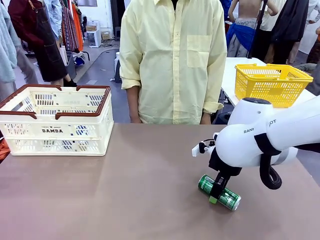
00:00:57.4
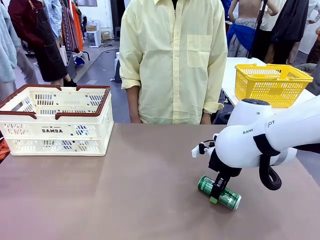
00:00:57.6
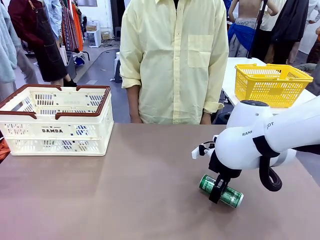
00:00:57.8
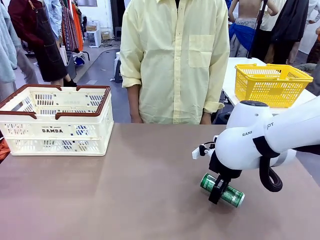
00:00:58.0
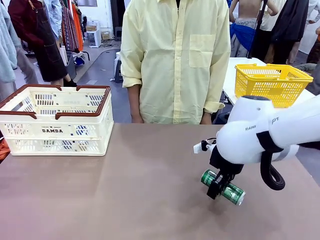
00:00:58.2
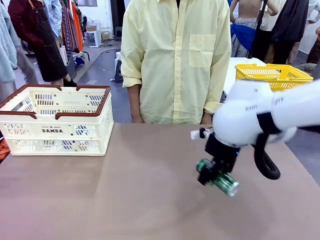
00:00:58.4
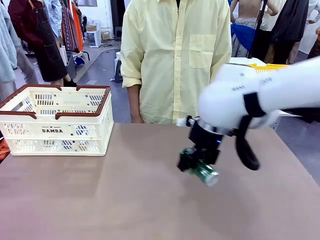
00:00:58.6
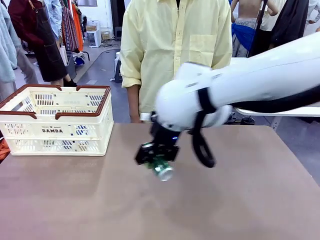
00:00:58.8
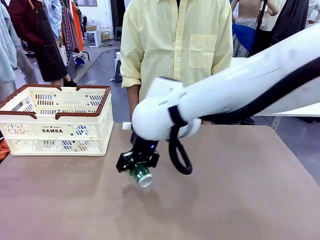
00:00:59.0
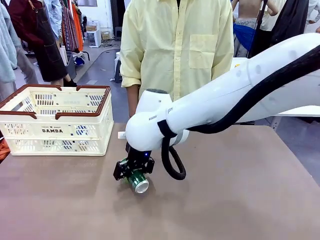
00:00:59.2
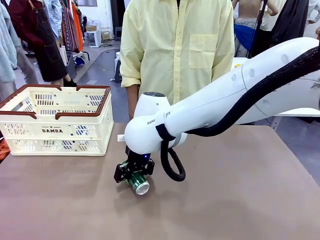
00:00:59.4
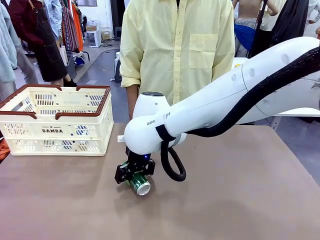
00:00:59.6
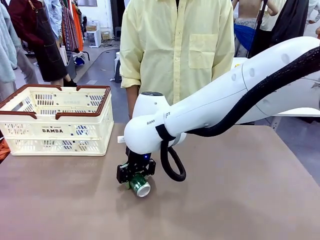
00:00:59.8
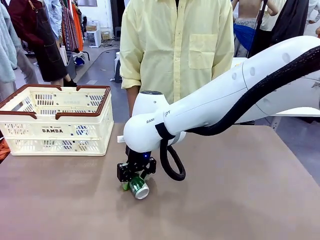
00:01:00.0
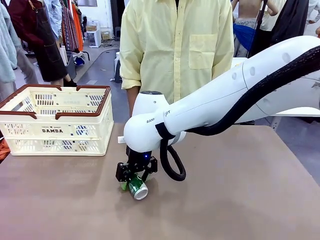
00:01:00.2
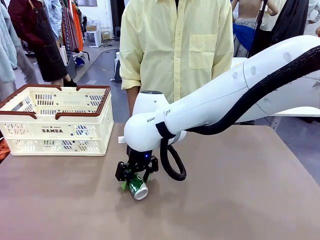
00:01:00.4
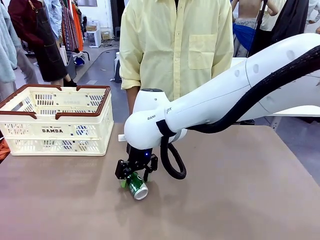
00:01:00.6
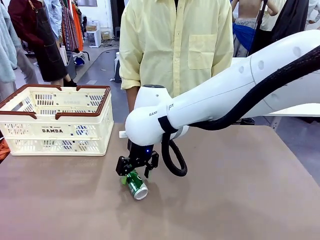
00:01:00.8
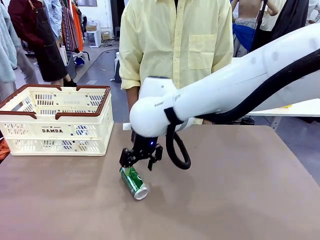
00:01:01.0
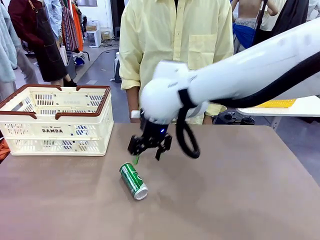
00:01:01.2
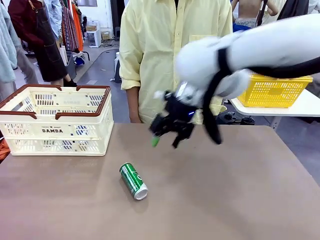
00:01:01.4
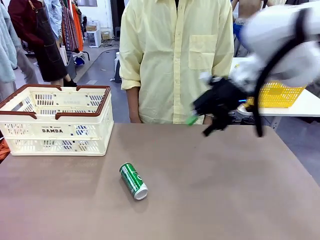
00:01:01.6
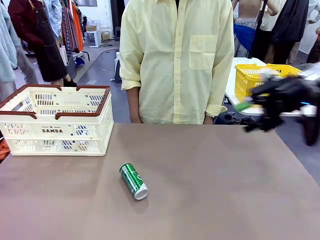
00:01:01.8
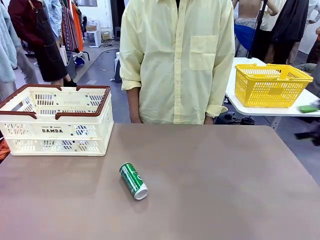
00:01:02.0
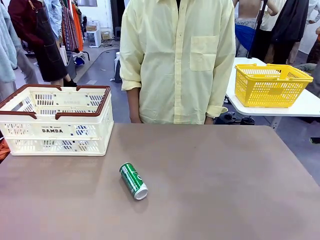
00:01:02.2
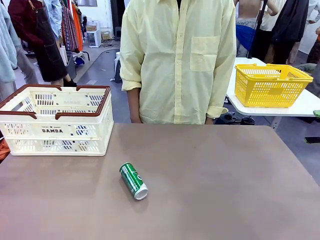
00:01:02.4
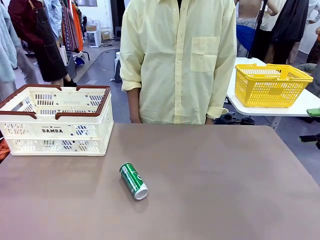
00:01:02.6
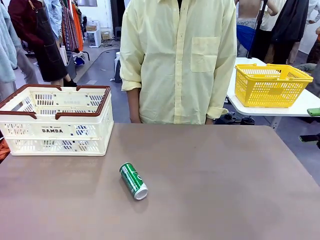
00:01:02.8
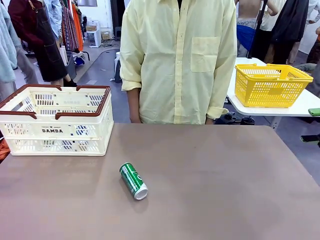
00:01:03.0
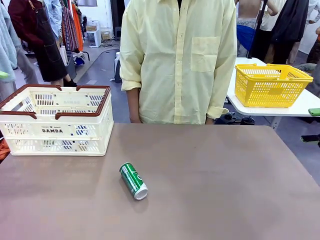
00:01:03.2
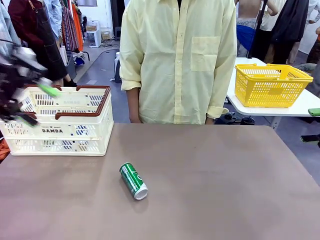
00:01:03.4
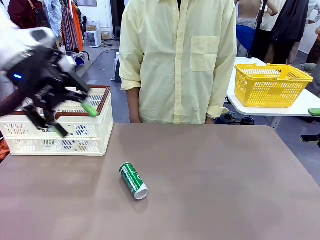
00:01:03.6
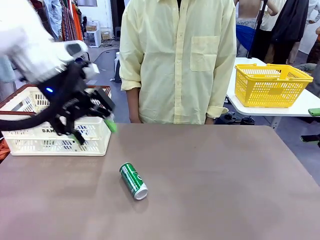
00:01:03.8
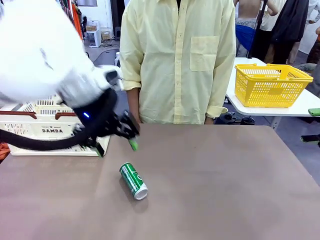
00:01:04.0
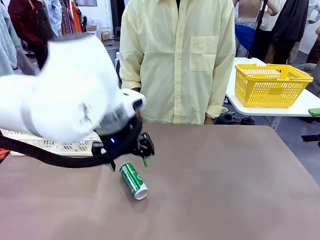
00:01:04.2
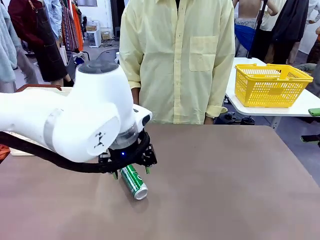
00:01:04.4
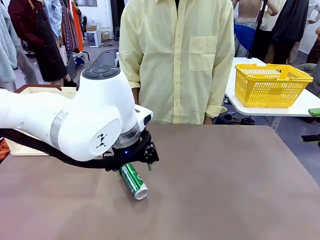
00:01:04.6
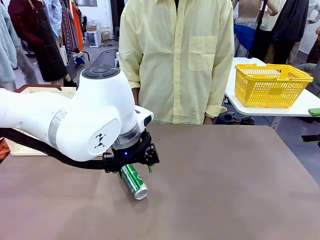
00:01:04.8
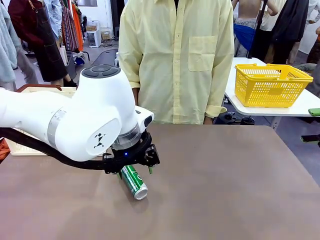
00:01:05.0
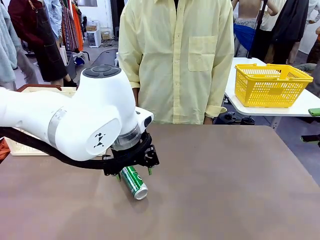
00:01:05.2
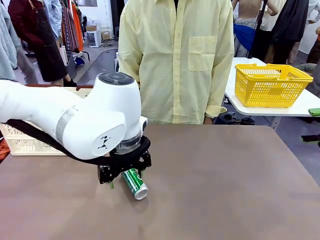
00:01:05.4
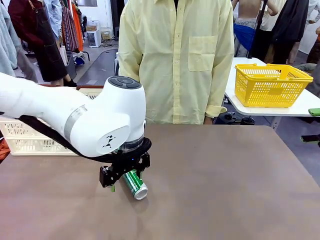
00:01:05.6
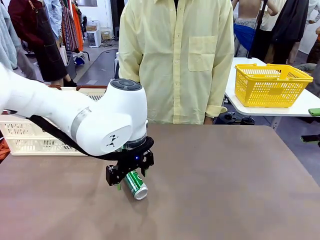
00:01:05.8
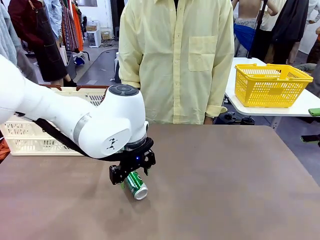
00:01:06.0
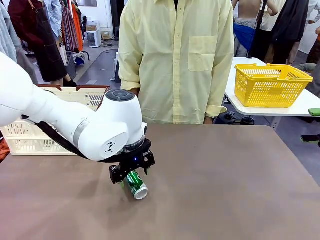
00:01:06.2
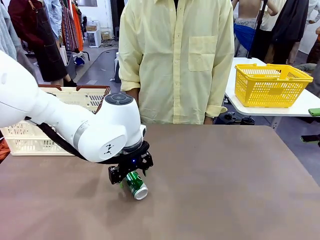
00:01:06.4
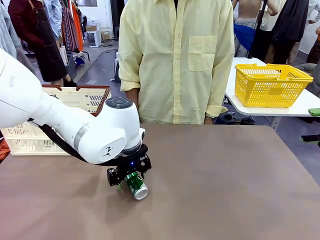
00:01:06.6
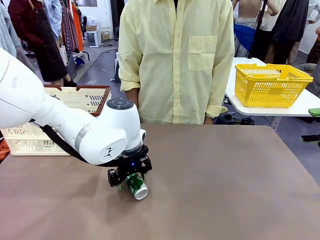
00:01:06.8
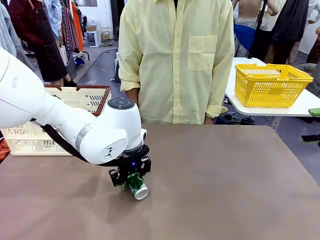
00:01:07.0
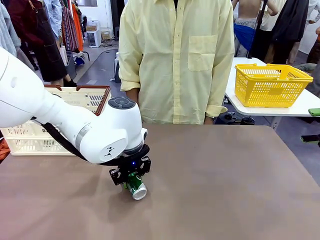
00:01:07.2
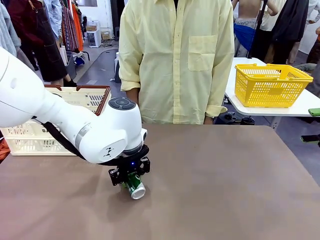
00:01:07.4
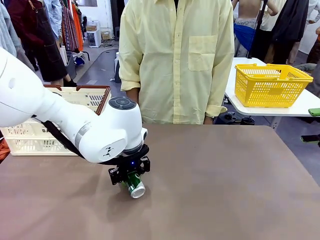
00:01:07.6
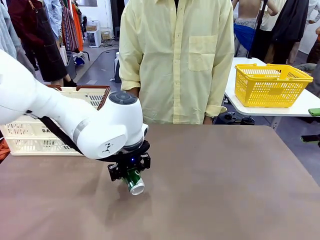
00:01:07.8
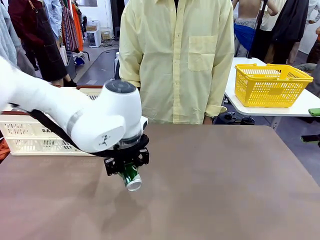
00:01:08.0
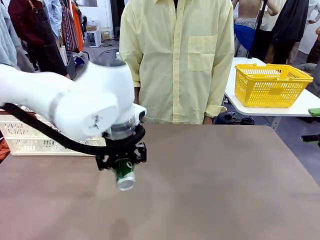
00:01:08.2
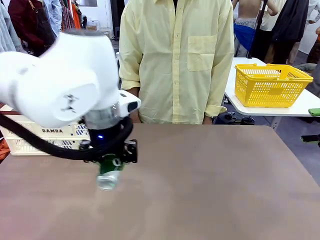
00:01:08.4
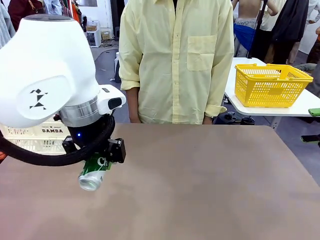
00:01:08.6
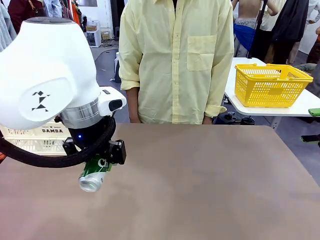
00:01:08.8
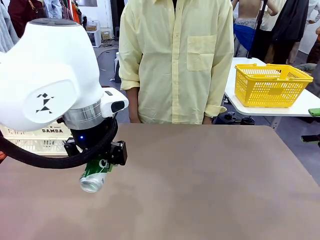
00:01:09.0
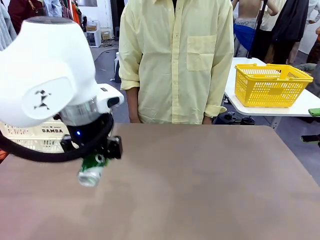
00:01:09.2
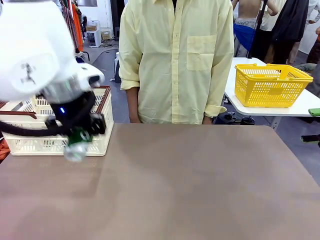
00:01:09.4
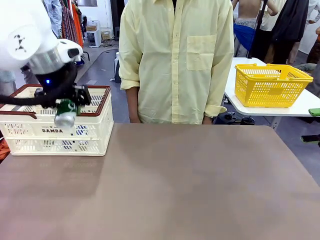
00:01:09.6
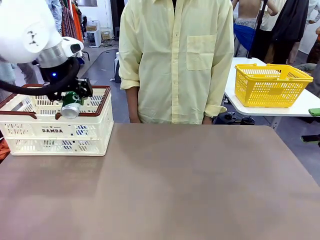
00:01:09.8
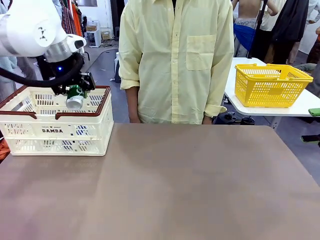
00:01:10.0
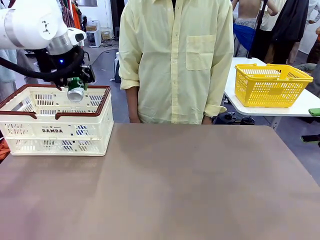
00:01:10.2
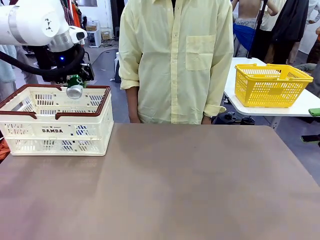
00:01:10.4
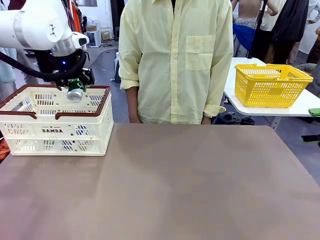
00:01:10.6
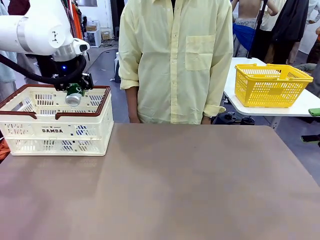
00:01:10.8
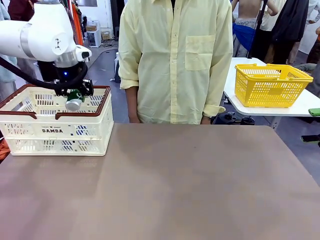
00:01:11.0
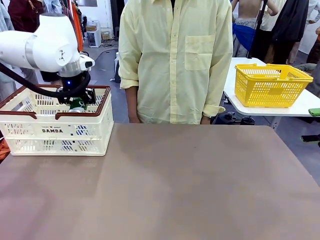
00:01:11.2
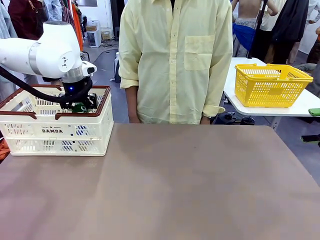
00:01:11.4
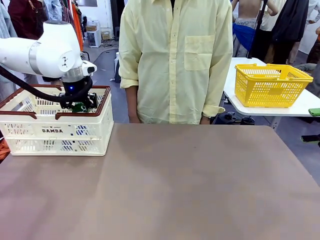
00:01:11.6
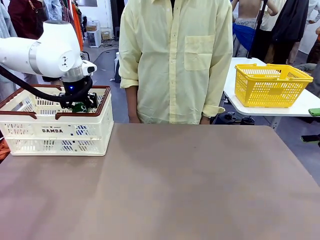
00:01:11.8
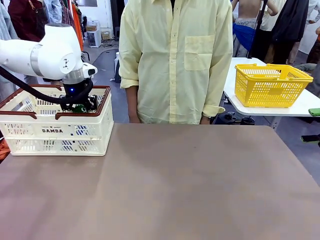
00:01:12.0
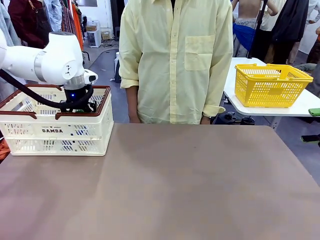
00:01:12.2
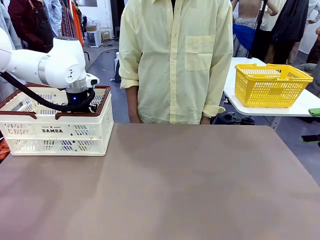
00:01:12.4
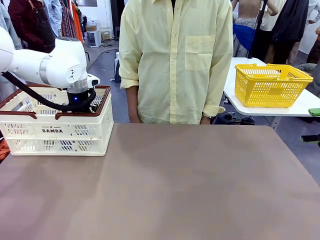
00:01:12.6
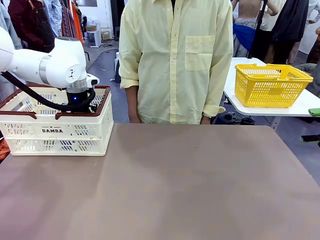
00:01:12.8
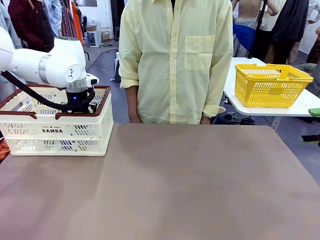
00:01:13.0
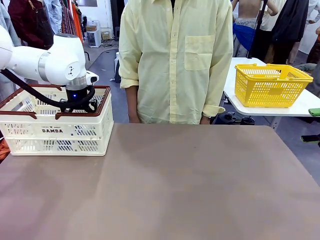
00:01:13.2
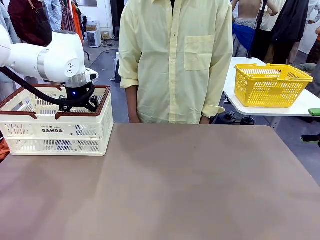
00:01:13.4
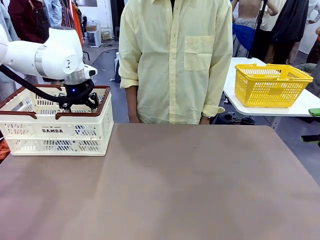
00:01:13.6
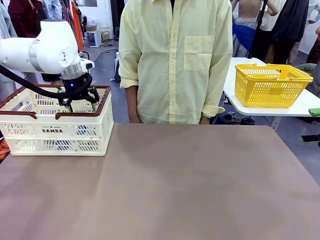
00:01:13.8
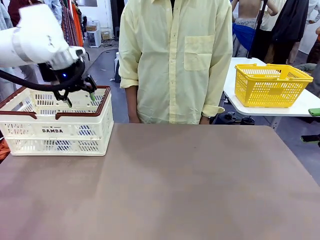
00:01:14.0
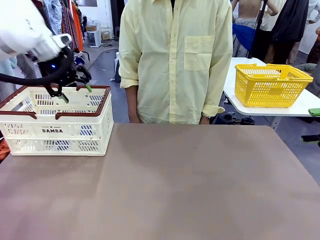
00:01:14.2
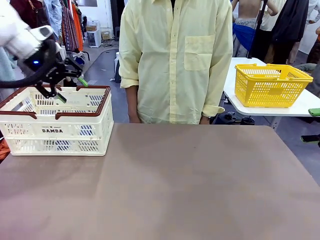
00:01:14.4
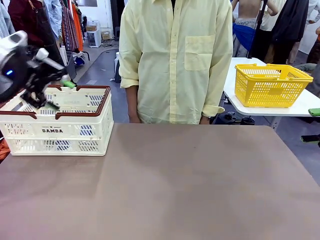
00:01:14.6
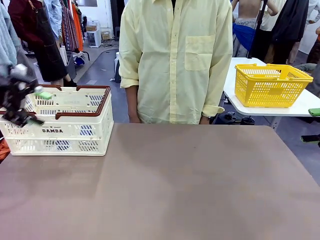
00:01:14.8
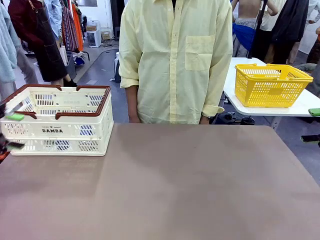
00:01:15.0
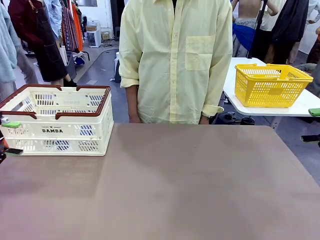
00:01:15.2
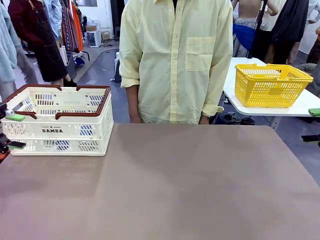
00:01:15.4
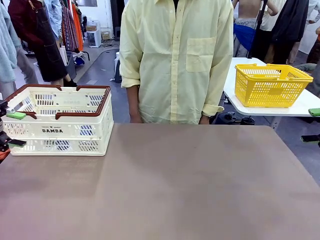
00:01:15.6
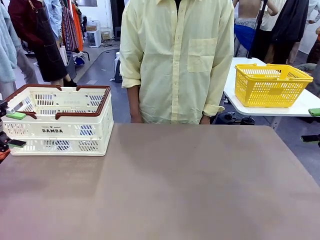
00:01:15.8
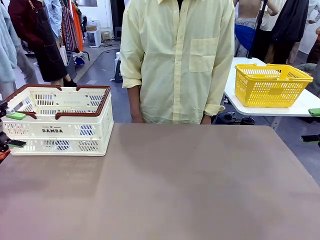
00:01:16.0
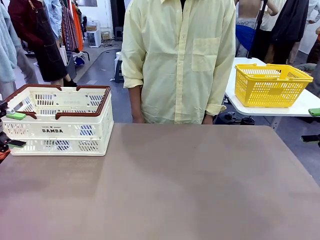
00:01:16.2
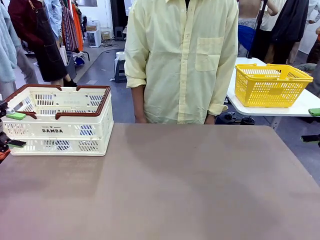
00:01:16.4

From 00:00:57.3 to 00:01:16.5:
Task: Place the drinks into the Shopping basket.
Robot: Pick up one drink and place it into the Shopping basket.
